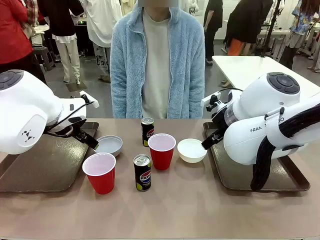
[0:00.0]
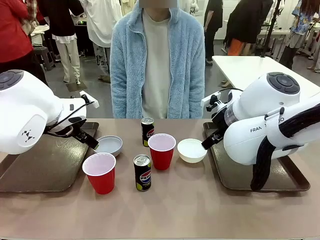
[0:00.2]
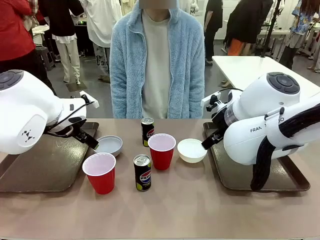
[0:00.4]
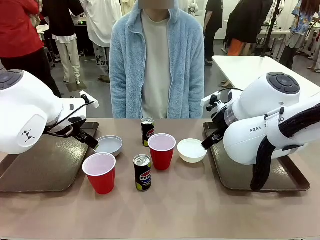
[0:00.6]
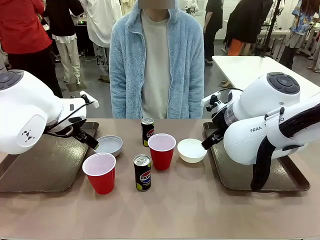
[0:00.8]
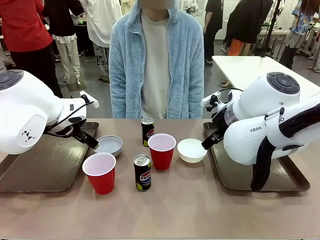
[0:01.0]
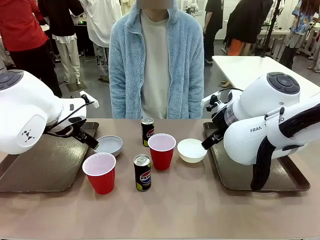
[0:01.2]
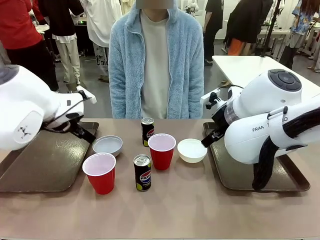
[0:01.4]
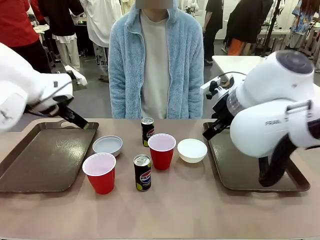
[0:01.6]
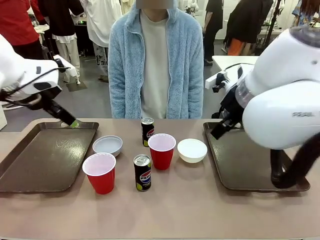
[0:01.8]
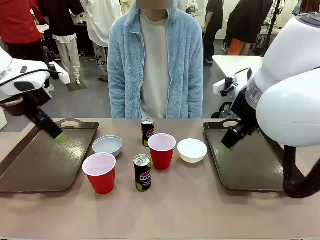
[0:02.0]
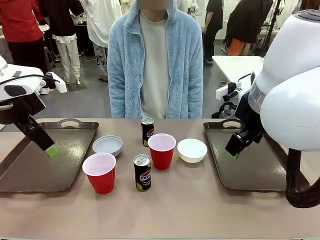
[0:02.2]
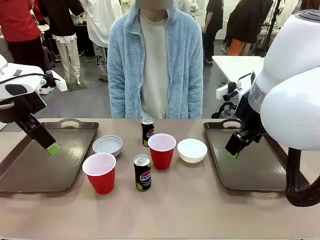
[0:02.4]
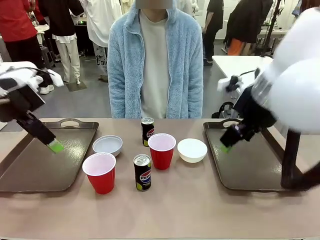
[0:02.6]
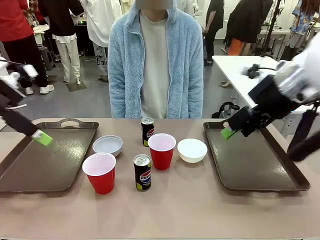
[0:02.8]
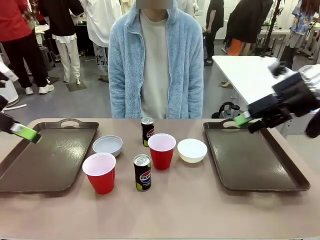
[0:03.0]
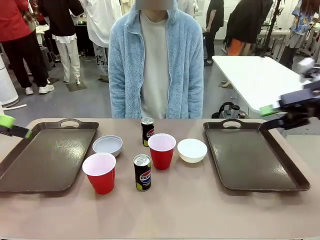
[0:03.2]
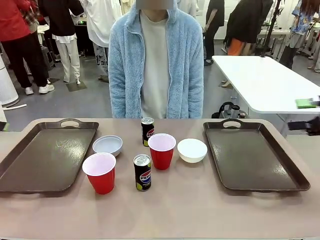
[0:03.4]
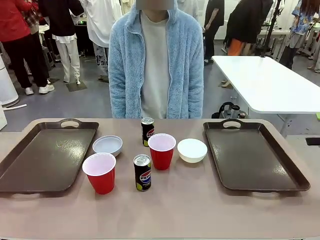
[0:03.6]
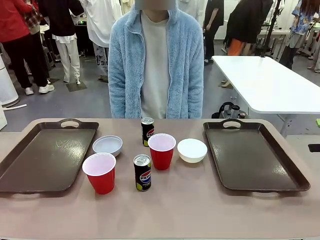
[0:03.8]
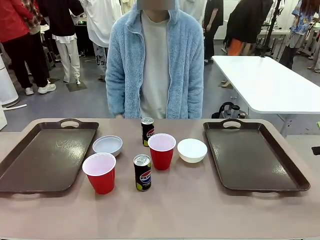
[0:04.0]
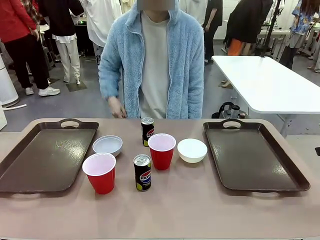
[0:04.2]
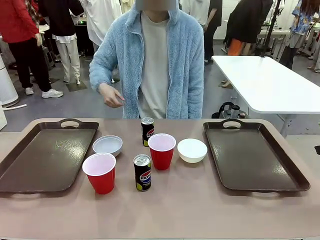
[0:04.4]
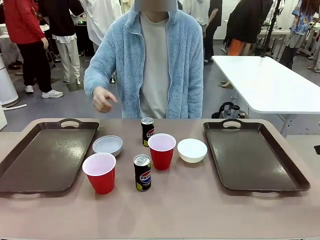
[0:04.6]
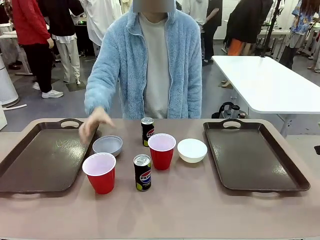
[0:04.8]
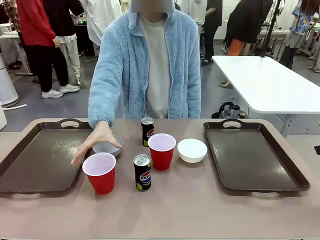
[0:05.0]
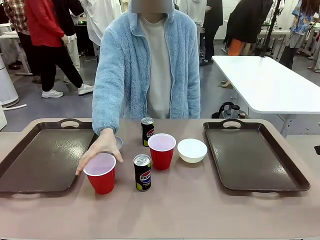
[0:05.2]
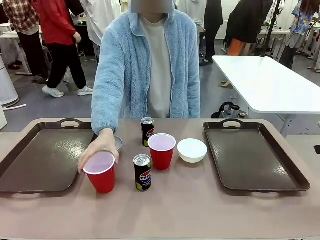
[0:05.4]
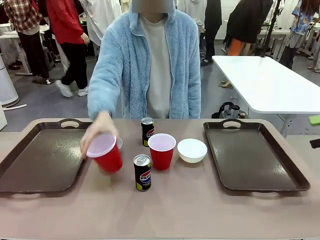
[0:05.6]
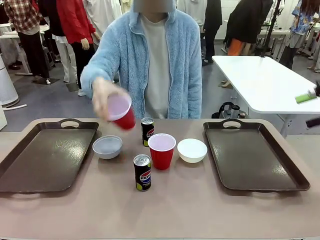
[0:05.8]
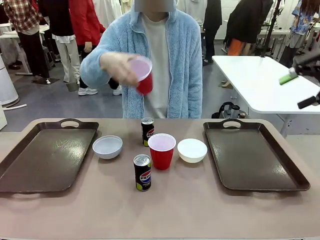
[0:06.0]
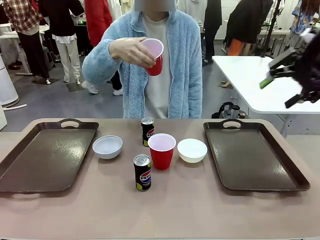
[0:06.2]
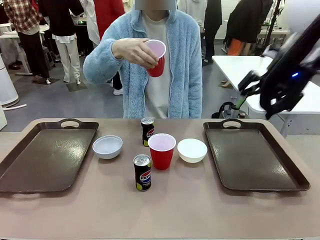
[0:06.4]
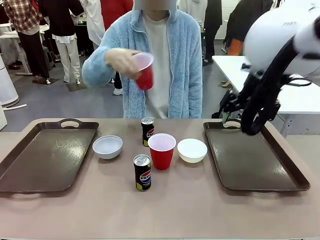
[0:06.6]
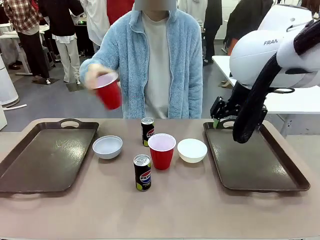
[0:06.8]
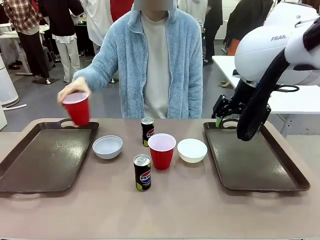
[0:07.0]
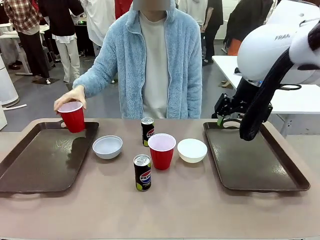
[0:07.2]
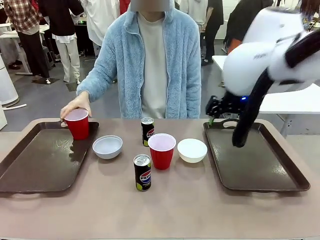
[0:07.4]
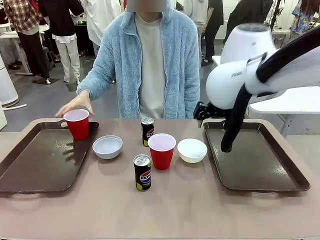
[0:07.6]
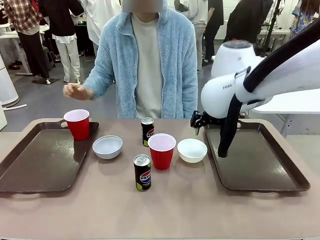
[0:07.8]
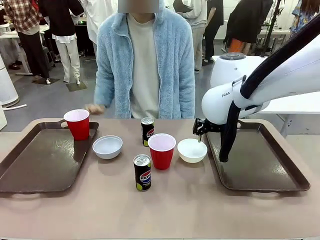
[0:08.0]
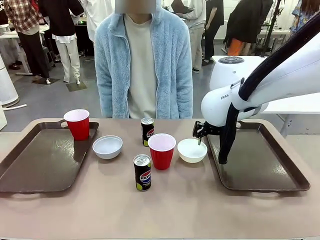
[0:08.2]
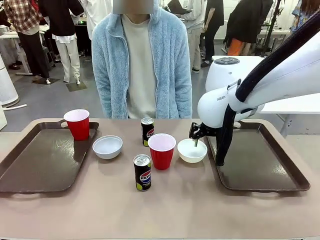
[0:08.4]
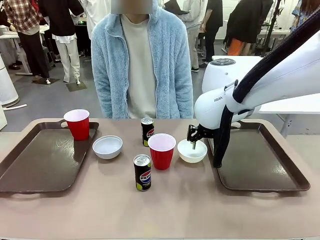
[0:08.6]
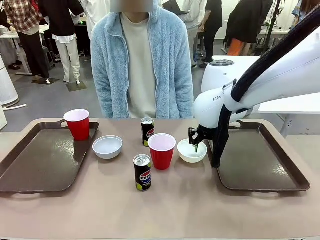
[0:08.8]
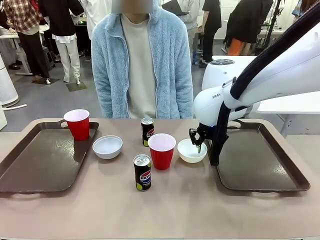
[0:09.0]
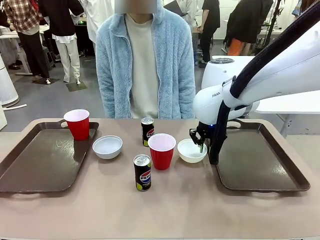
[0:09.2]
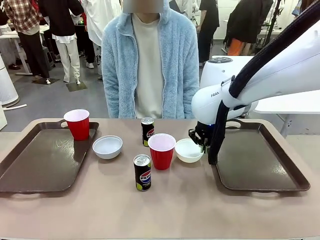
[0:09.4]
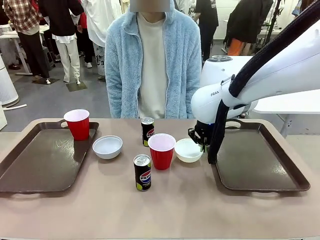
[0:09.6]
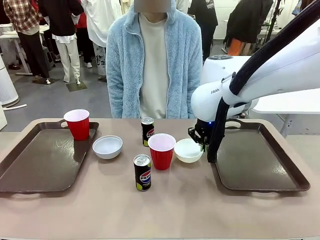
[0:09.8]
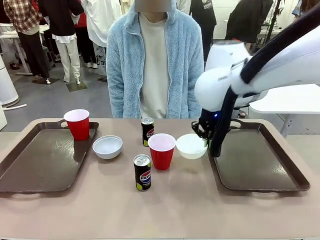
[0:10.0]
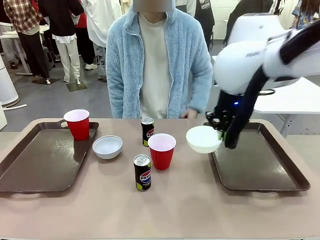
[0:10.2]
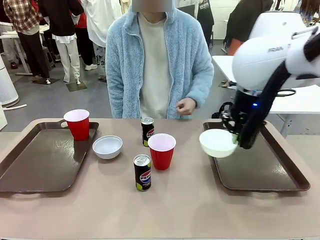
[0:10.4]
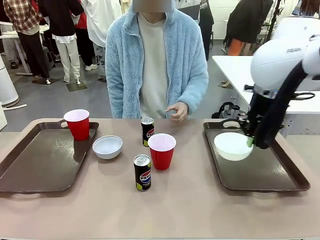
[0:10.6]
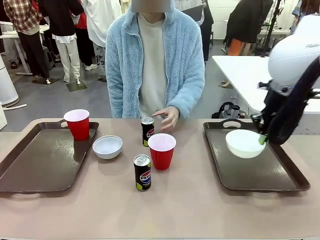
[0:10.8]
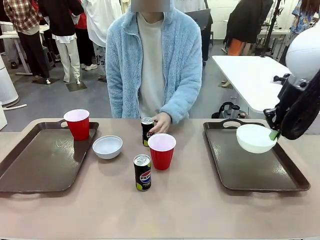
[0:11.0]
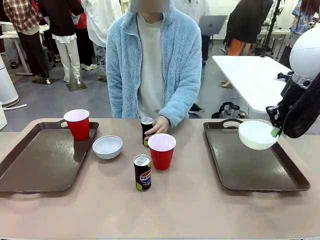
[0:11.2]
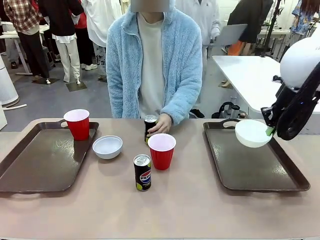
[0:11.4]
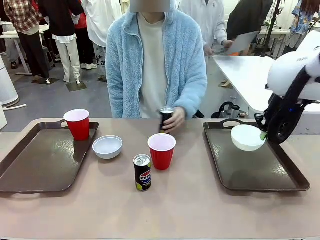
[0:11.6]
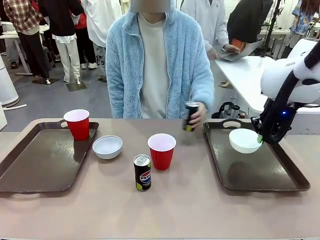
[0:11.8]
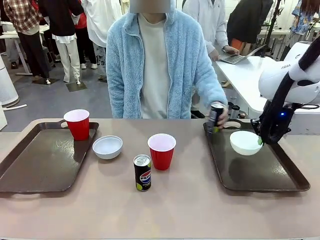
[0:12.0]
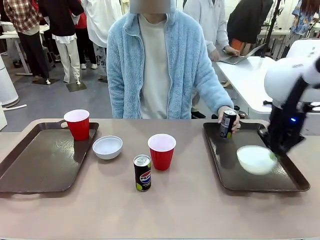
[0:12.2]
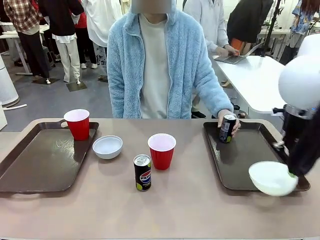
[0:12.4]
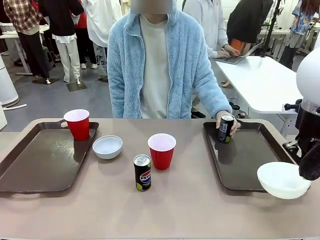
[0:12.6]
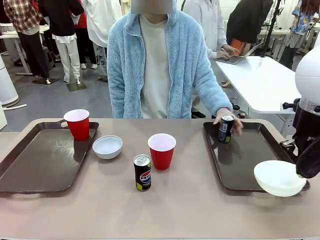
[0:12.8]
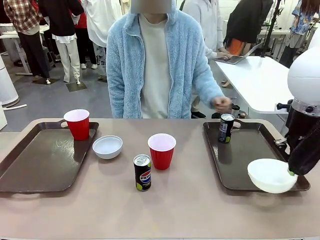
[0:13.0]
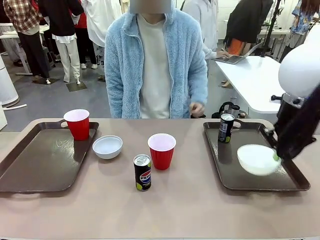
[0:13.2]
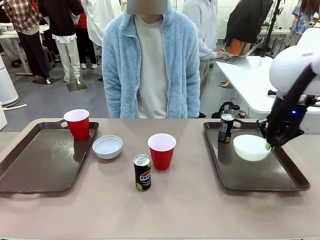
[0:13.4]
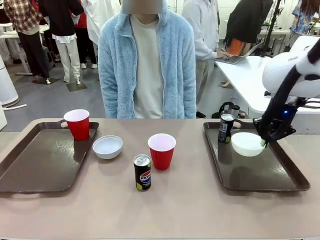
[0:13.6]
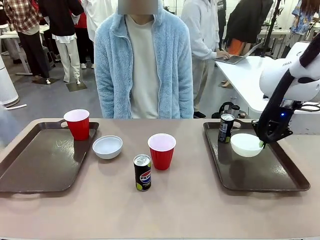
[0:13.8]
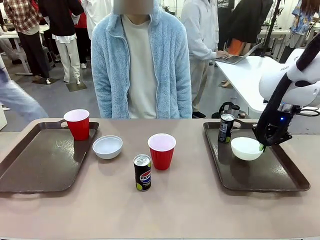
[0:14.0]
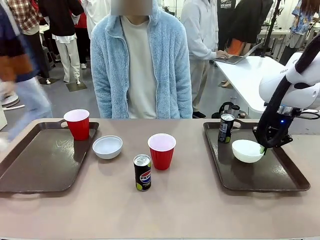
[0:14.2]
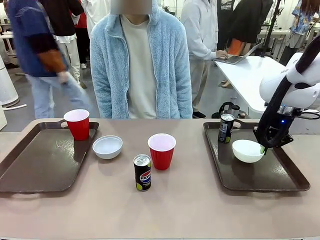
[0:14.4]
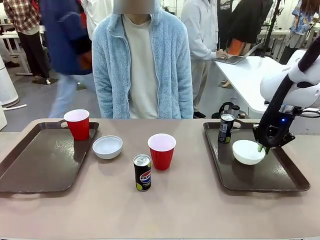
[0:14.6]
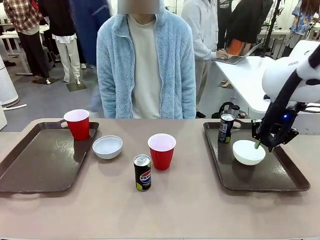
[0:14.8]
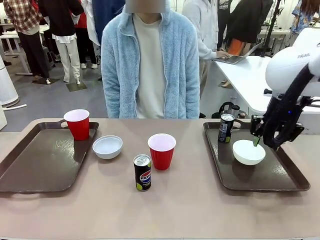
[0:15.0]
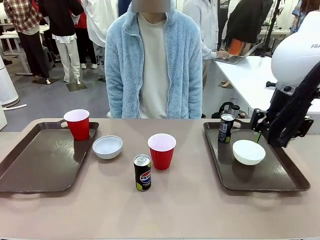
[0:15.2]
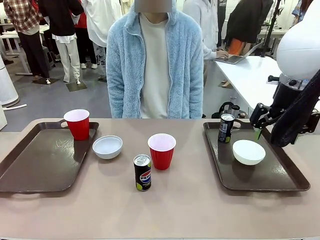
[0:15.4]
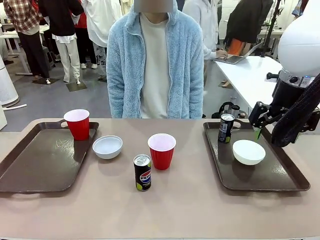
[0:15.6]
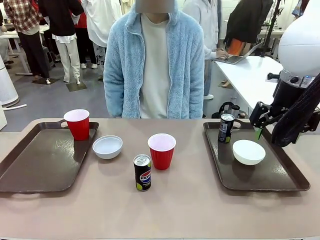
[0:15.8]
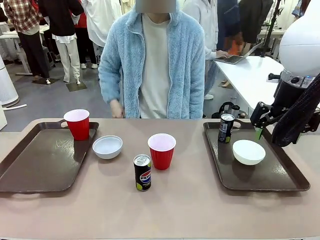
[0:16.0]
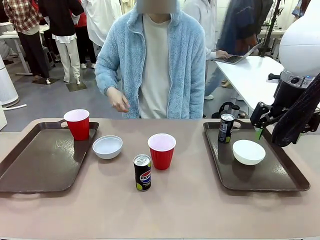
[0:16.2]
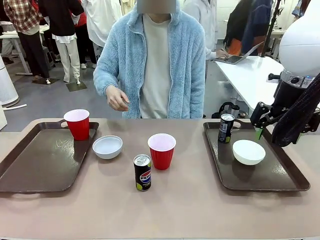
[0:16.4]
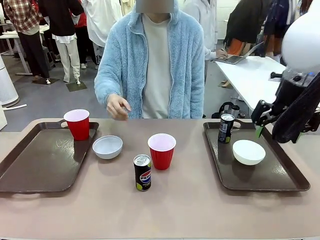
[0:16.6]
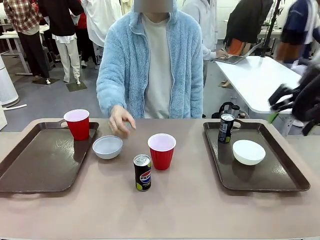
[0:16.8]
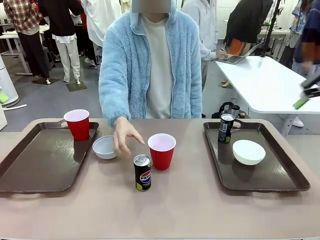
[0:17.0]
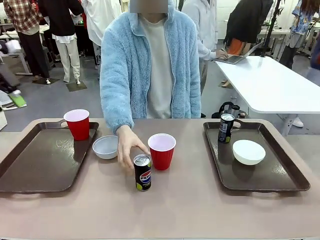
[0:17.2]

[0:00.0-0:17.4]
Task: Prepare tableware on both trays.
Robot: Pick up a Picnic Bowl from the table and place it on a Handle tray.
Person: Pick up a can or cup and place it on the tray.
